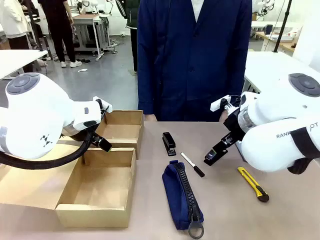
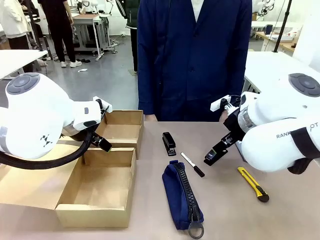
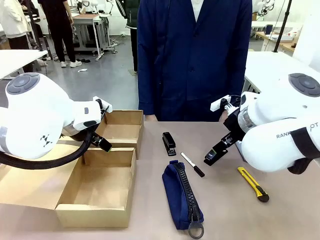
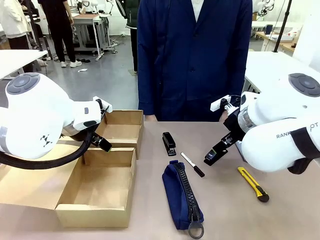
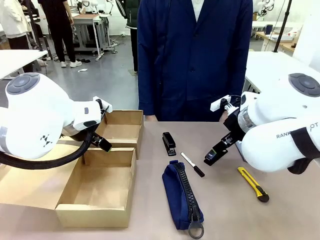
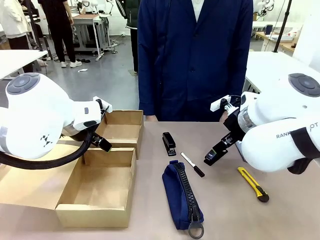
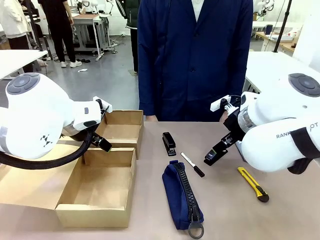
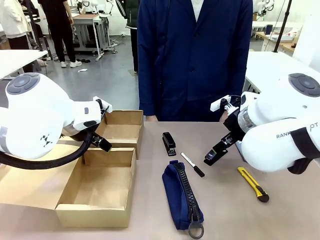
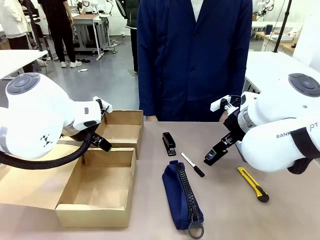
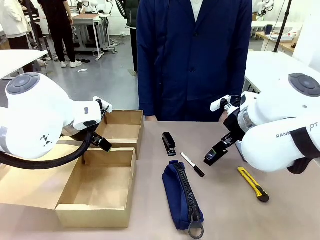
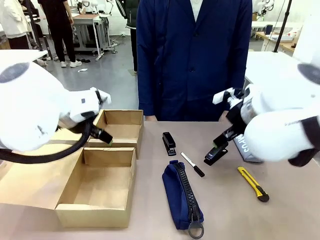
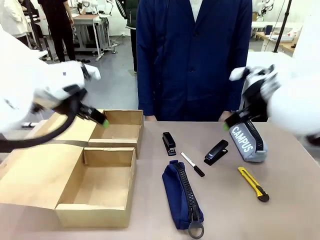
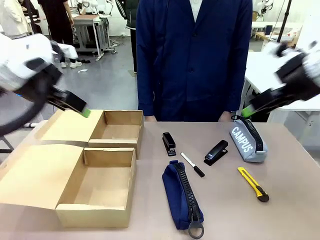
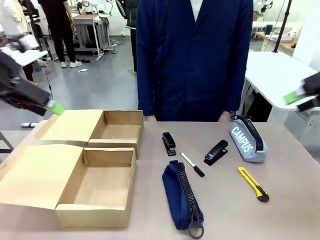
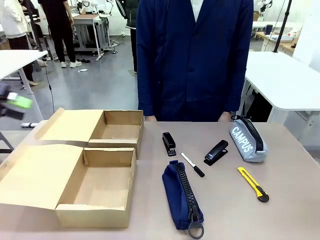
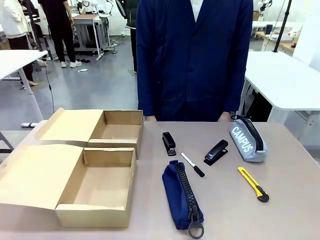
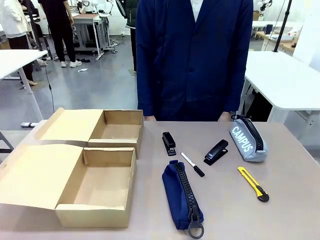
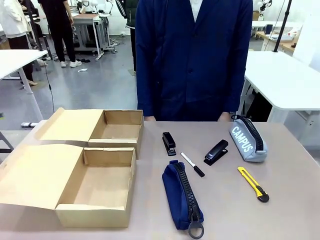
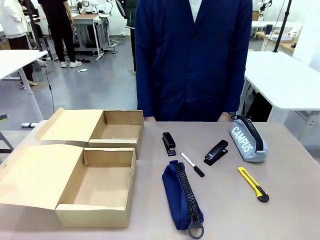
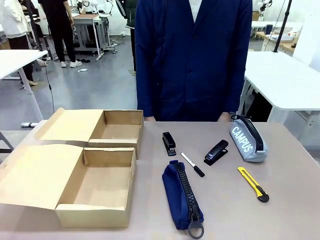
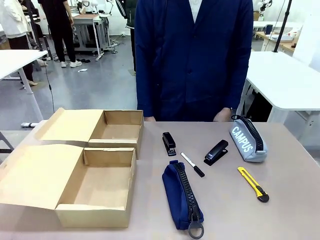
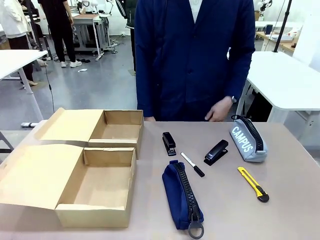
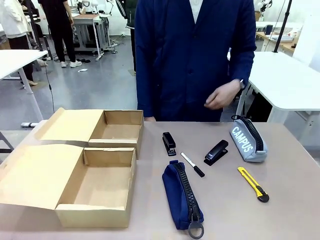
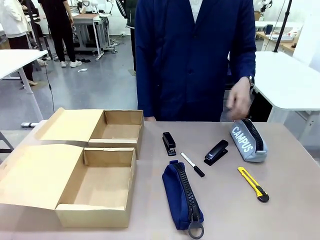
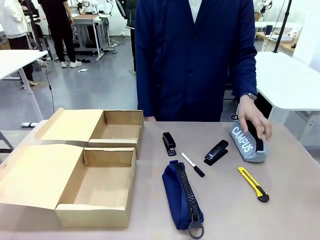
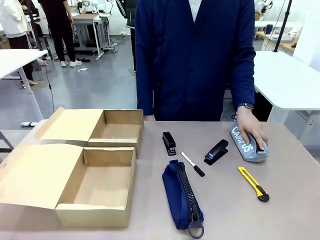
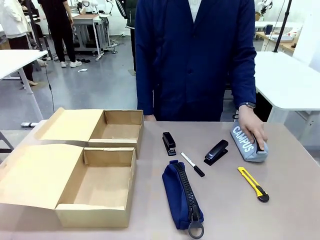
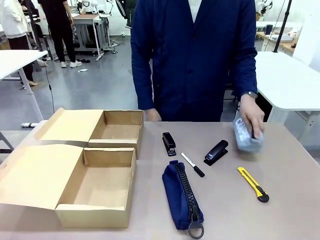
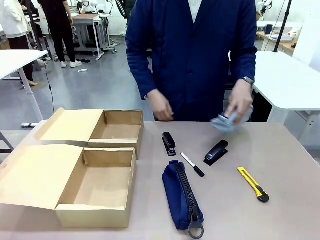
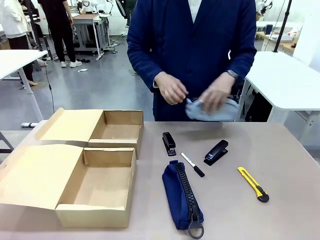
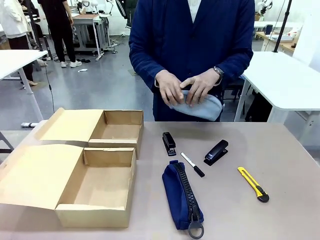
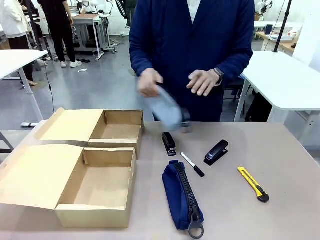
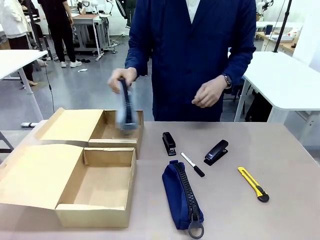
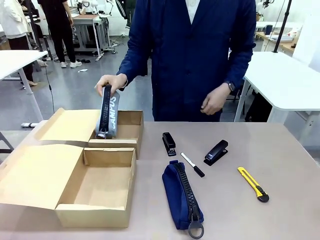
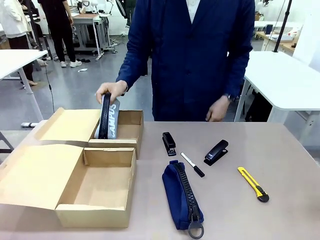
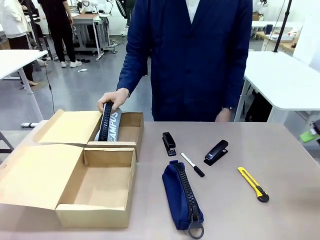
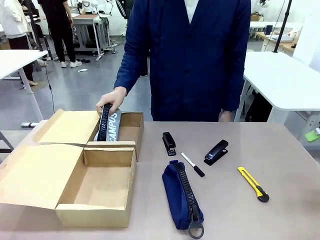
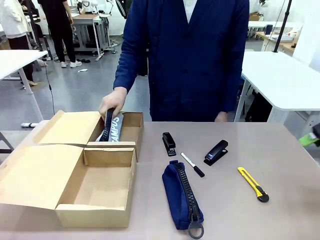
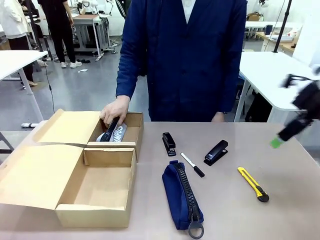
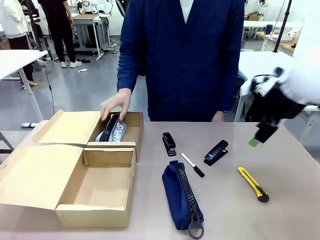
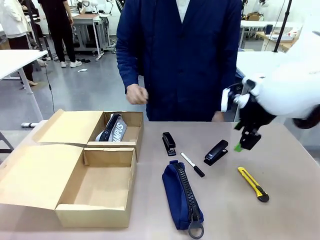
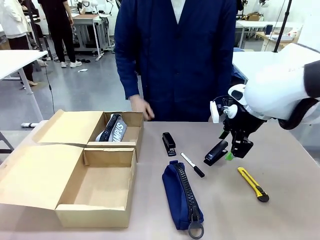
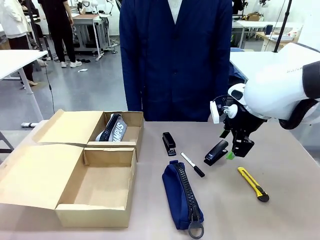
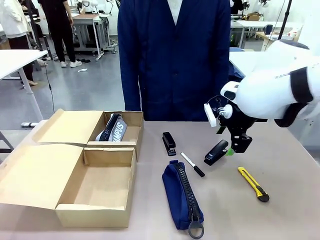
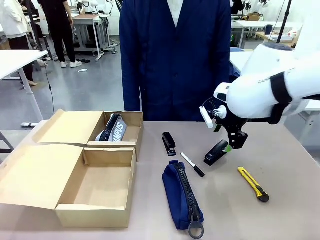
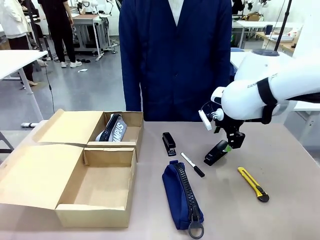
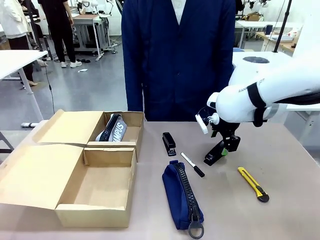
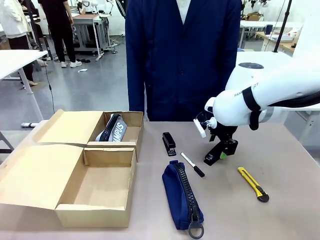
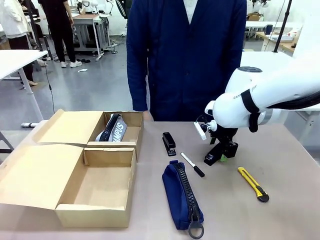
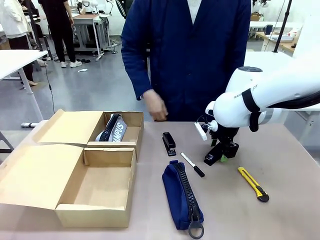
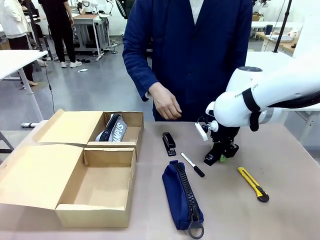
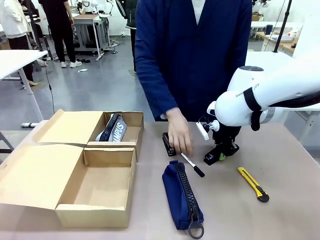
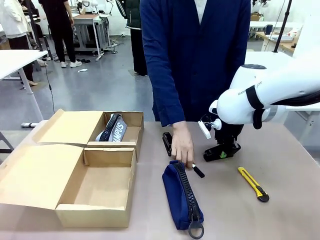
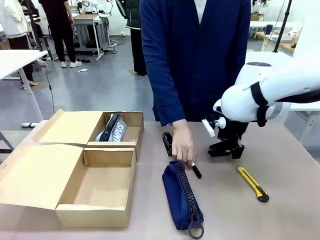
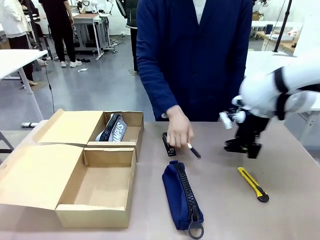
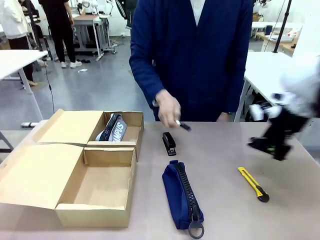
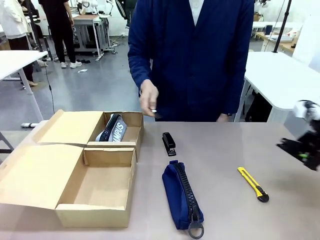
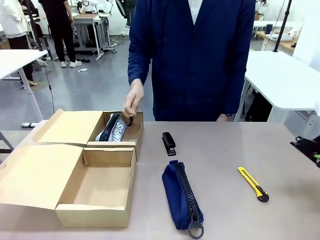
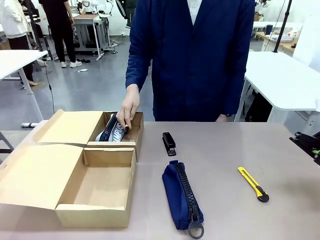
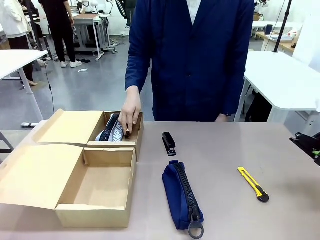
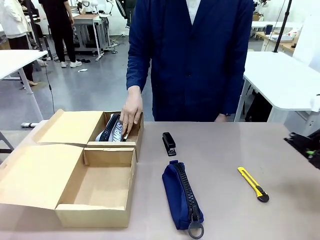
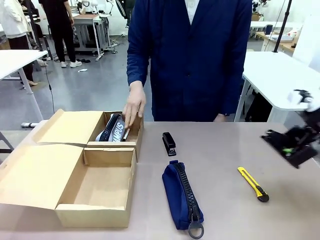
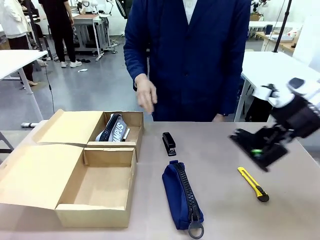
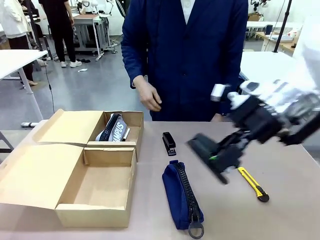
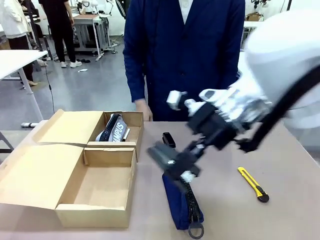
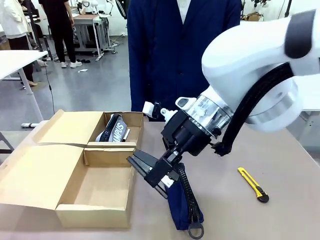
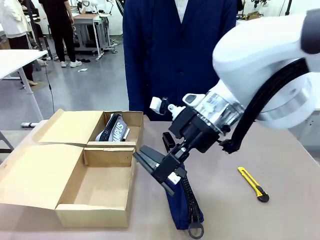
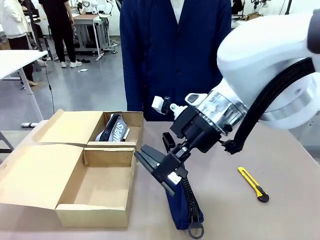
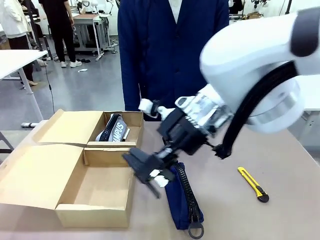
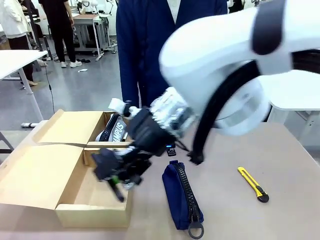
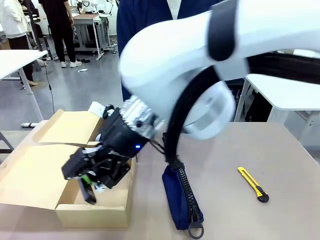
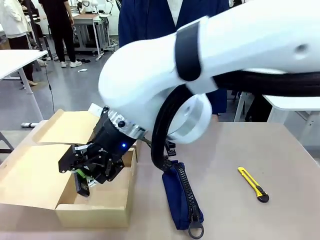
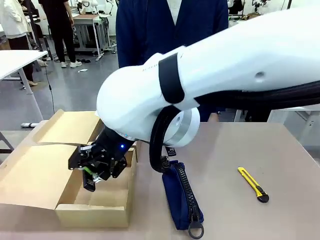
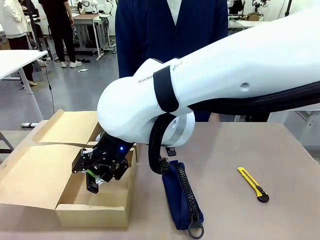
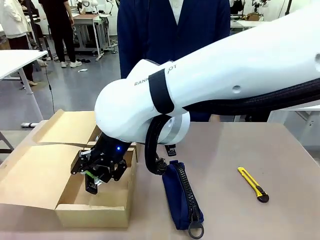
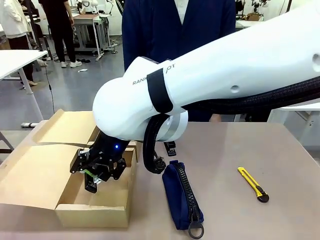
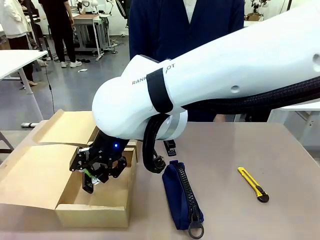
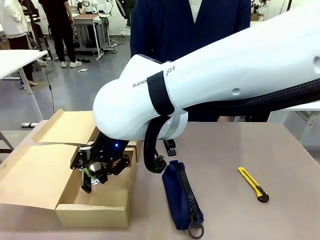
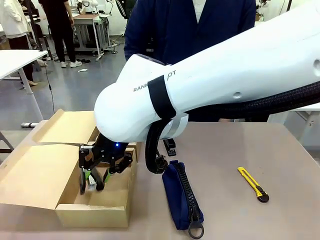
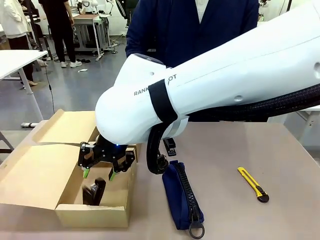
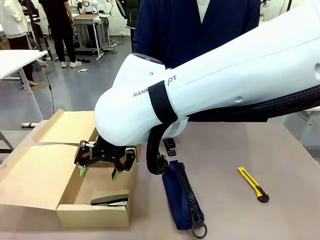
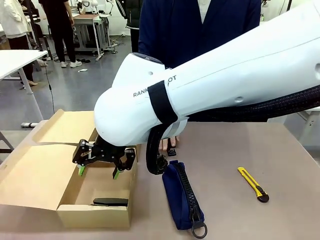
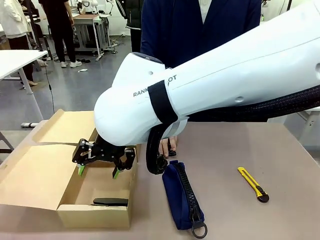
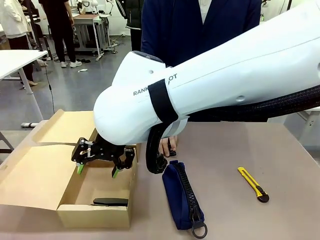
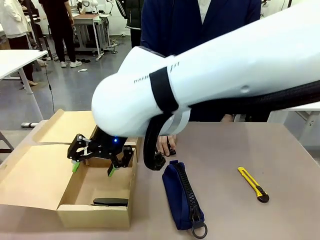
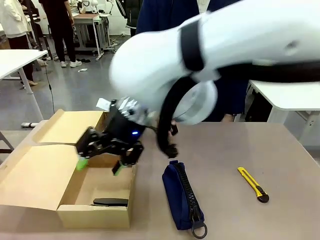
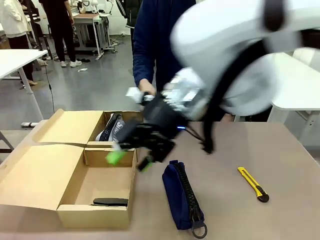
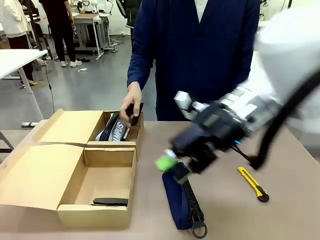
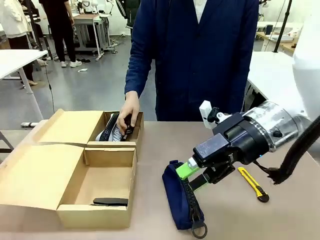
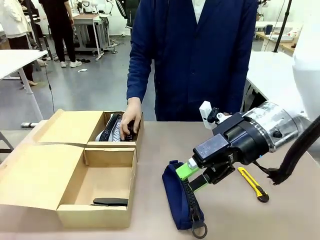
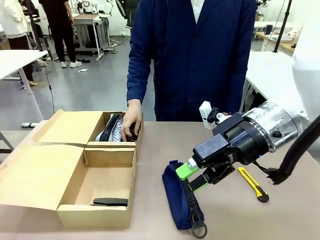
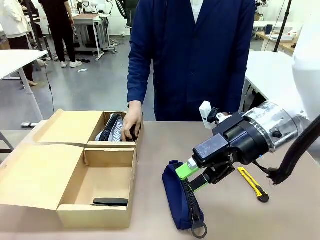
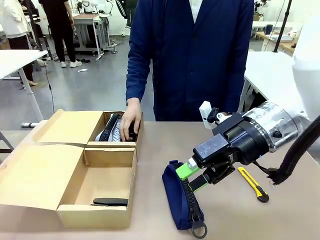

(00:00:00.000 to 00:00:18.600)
Task: Place items inside the box.
Robot: Pick up a Pencil pouch or Stapler and place it inside the Mailer Box closest to the robot.
Person: Pick up an object on the table and put it in the box.
